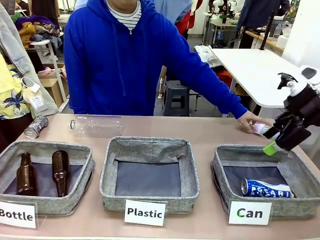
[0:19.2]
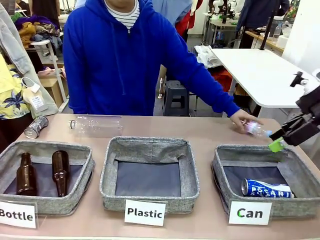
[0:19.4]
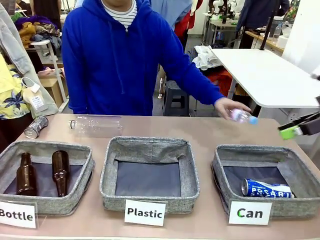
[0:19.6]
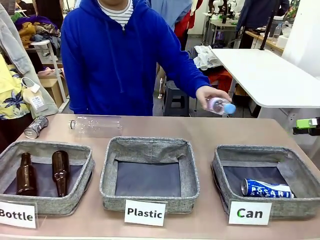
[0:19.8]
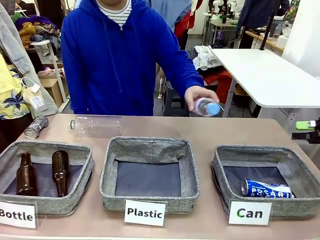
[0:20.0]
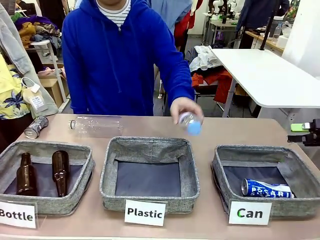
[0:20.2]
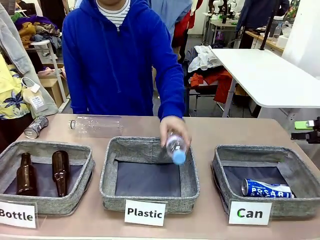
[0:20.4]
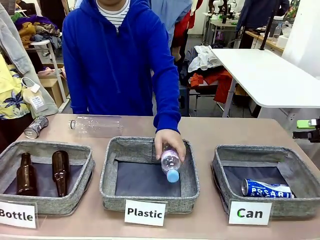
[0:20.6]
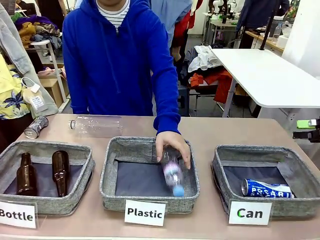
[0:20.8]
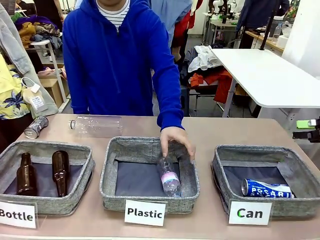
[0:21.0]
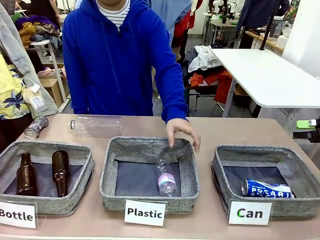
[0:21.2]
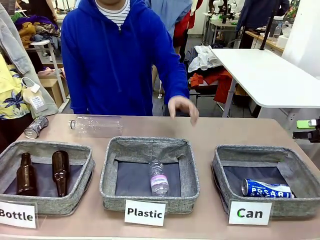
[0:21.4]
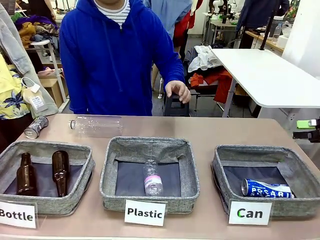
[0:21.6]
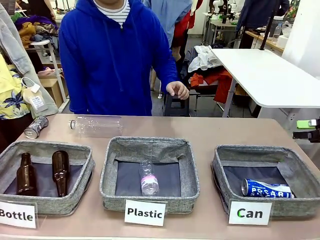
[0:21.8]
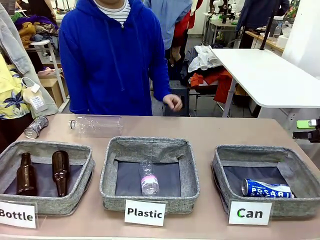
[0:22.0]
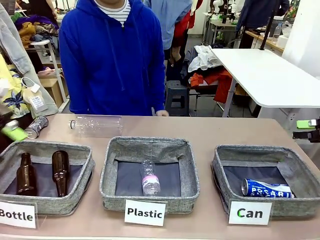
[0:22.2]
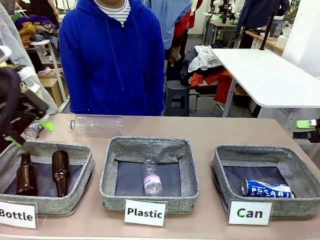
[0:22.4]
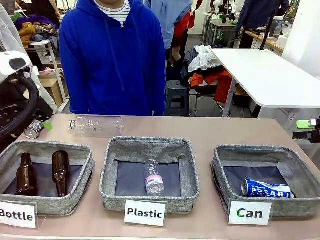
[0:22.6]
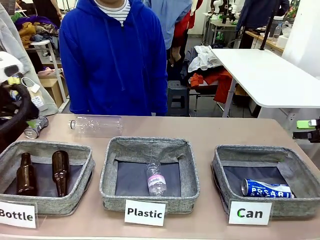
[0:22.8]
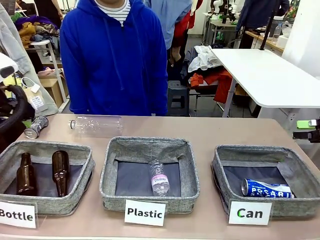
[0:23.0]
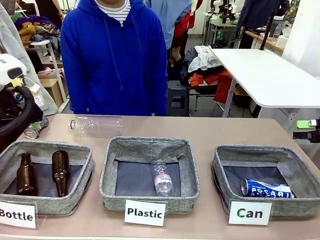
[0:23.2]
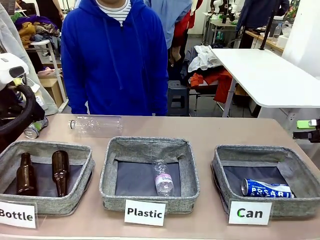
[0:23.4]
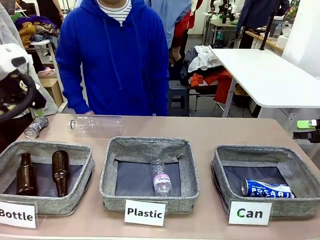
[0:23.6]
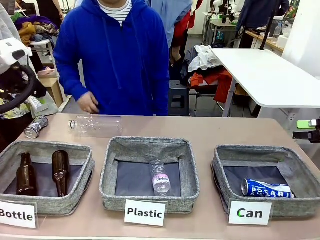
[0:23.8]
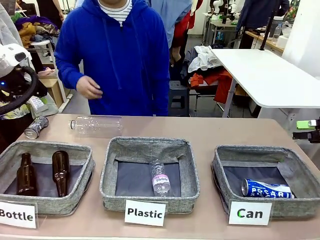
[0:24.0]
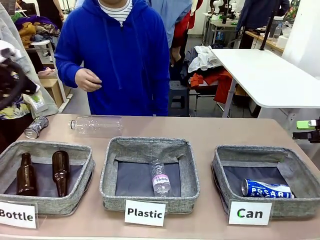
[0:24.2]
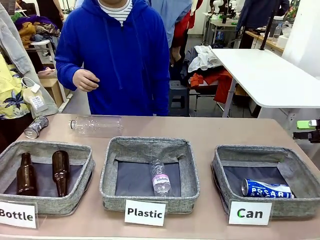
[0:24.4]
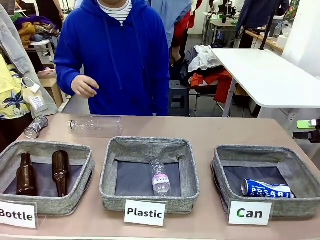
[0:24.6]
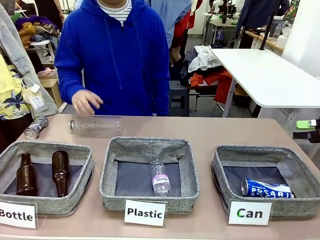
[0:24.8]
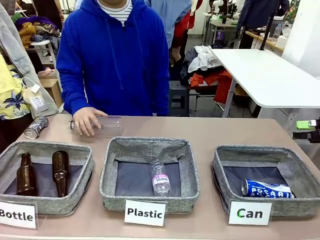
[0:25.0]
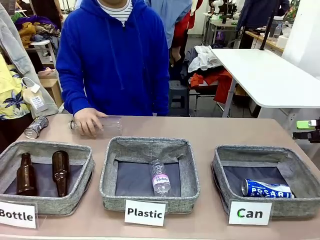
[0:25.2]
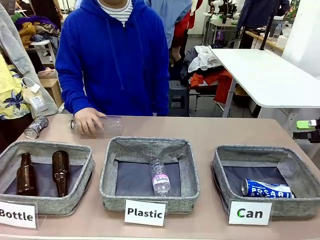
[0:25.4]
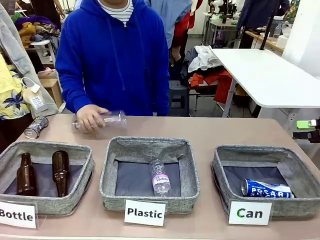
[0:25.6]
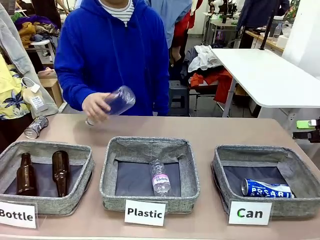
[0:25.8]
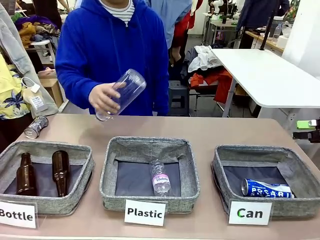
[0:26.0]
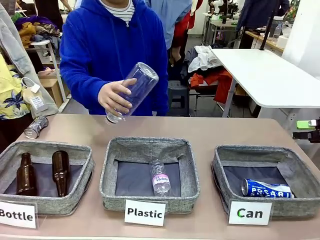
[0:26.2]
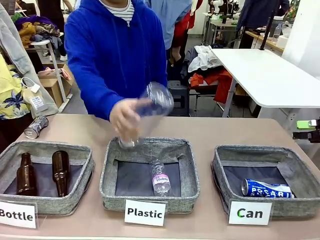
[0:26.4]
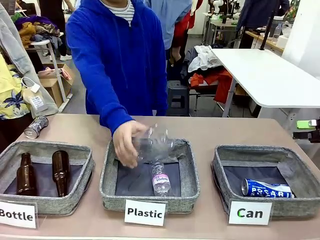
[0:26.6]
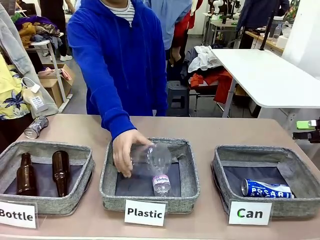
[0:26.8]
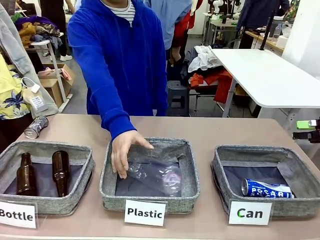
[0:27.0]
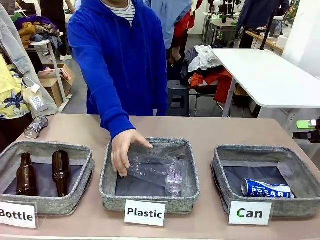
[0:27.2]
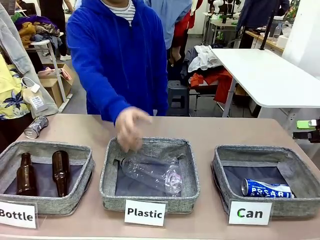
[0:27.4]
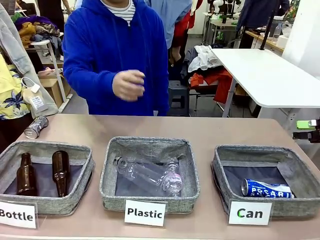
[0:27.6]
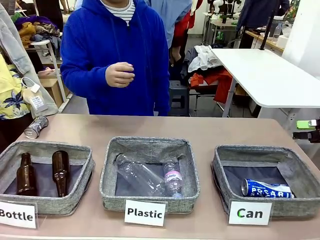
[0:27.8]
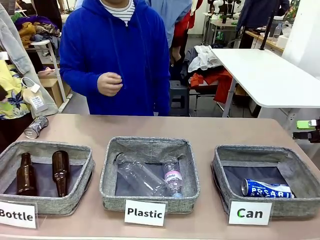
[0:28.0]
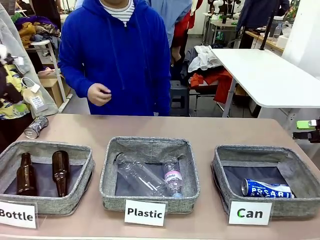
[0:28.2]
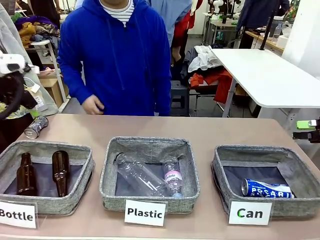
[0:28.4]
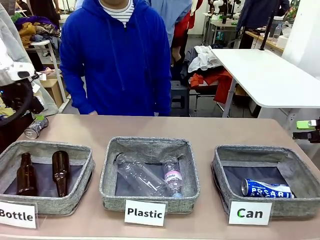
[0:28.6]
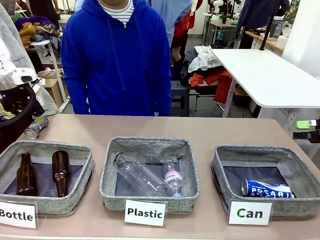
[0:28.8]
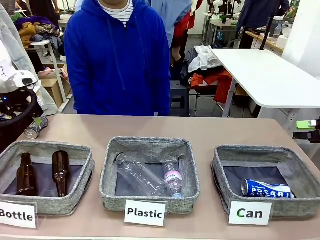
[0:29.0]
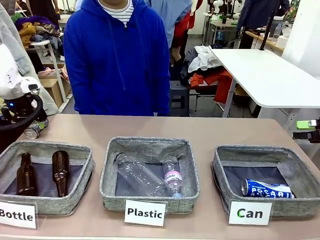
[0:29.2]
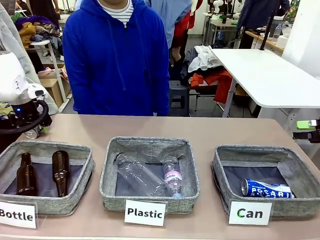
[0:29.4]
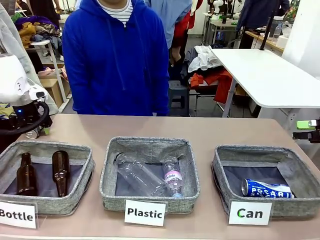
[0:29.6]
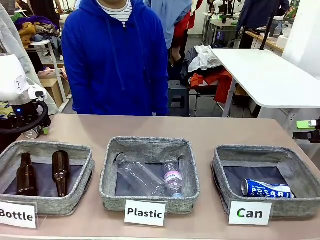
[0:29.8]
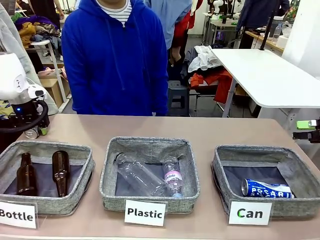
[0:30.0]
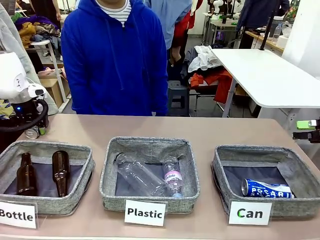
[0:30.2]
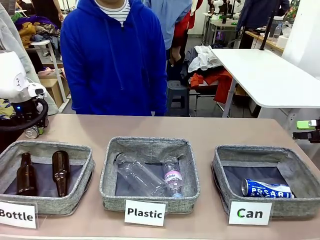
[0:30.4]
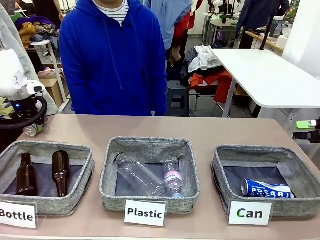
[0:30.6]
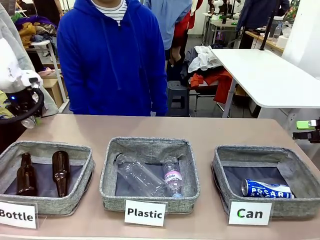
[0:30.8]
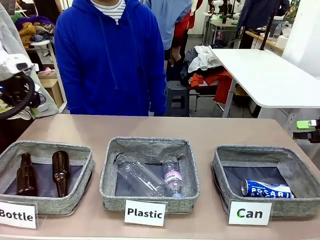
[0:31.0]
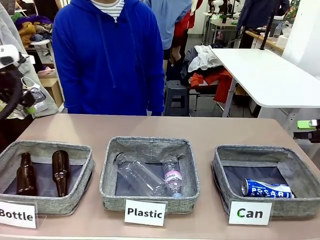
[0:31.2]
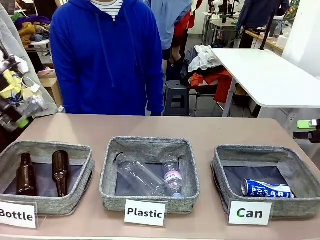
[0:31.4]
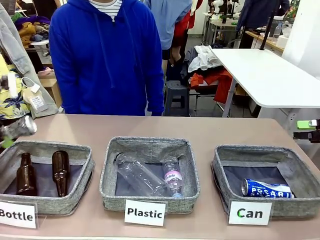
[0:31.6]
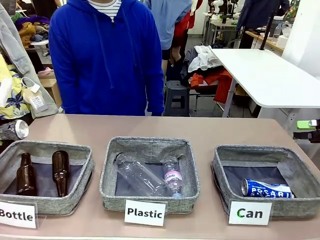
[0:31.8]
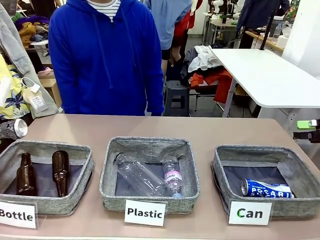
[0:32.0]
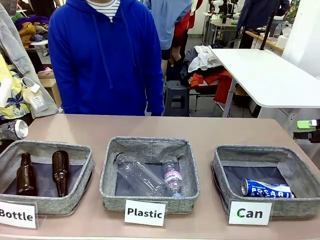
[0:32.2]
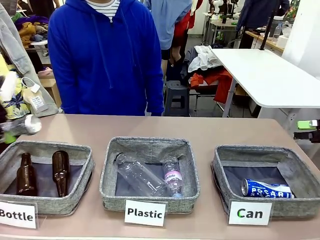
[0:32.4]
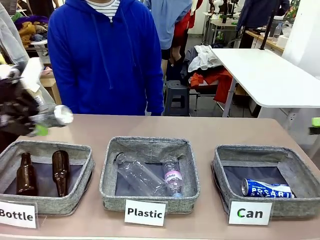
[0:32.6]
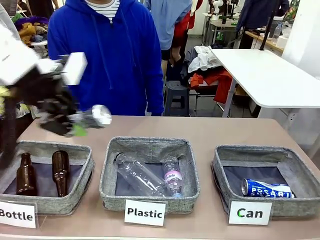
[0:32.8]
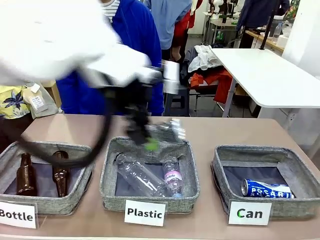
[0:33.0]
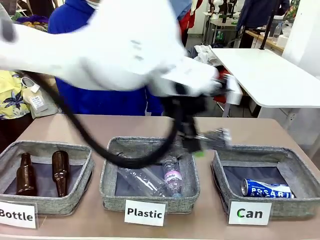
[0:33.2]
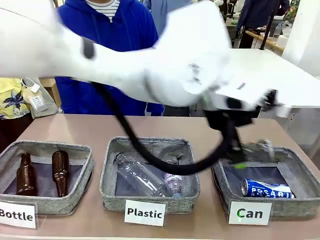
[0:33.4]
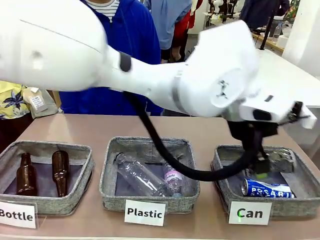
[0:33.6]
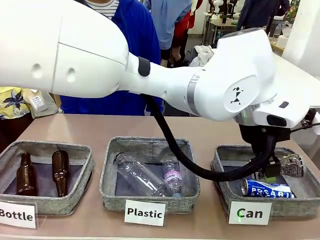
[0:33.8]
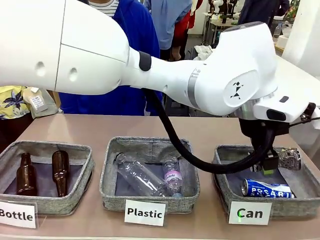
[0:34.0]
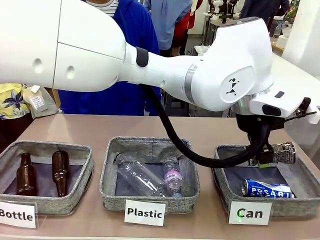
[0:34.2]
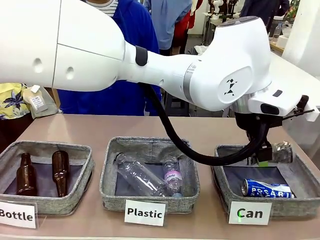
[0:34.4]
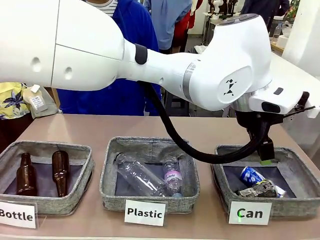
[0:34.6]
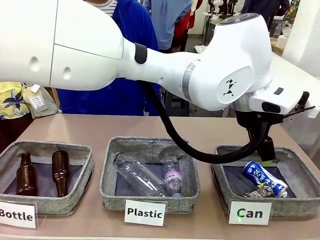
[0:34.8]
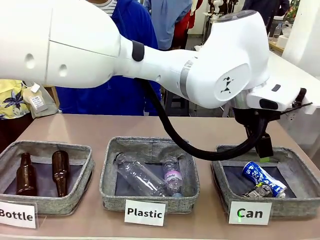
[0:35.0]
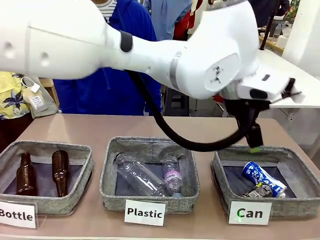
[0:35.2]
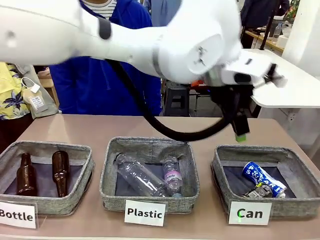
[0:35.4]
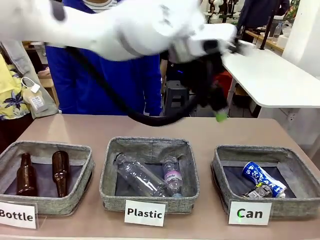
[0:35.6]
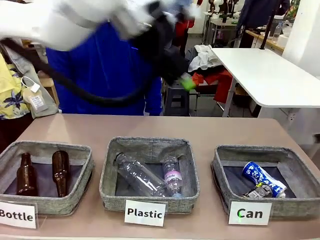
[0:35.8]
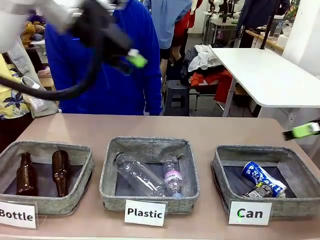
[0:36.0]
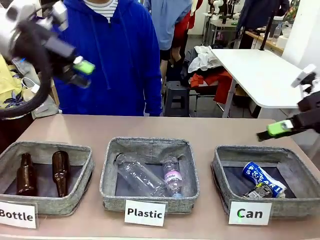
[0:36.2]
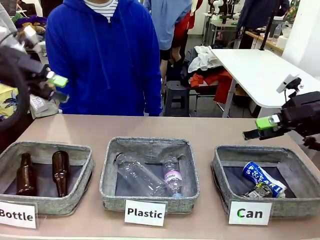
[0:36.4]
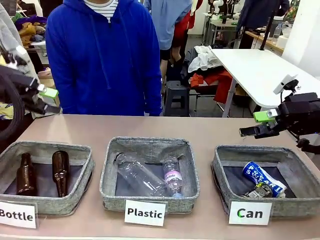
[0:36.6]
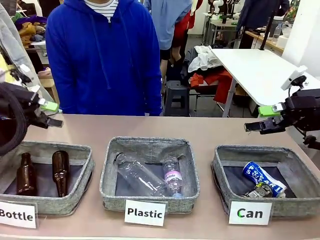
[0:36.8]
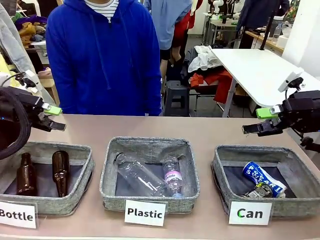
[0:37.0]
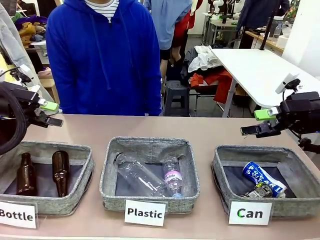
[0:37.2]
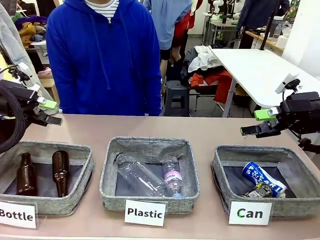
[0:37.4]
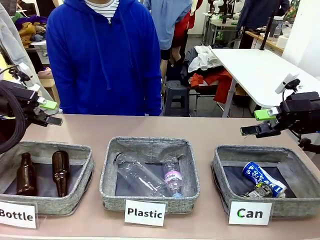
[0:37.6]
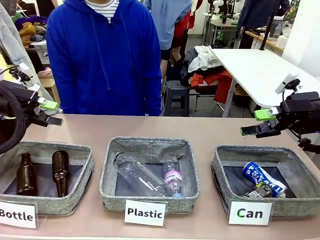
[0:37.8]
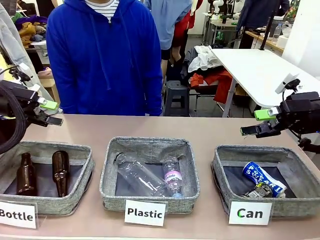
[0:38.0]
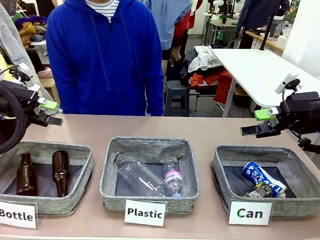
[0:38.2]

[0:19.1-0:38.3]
Task: Sort the can waste into the basket.
Robot: Pick up the can waste from the table and place it in the right Fabric basket.
Person: The human picks up one piece of trash that is not a can and places the trash into the appropriate organizing basket.
